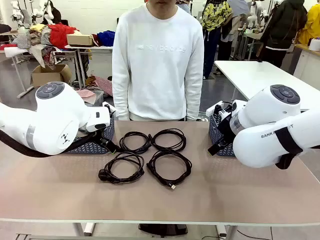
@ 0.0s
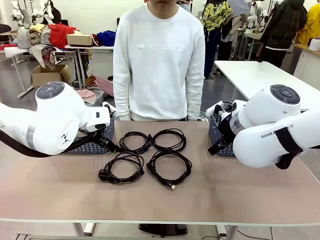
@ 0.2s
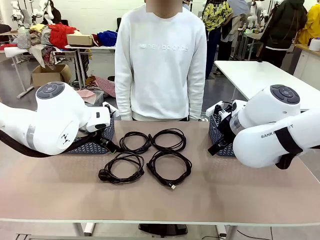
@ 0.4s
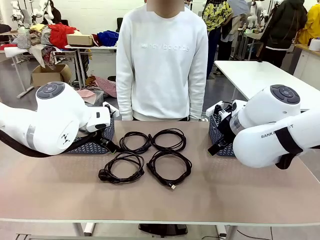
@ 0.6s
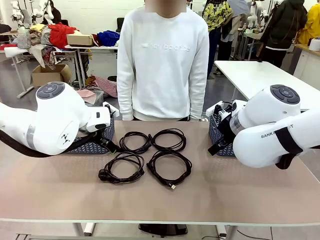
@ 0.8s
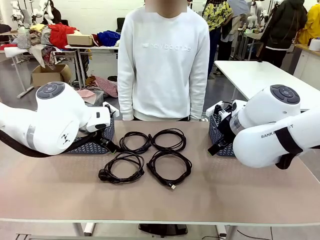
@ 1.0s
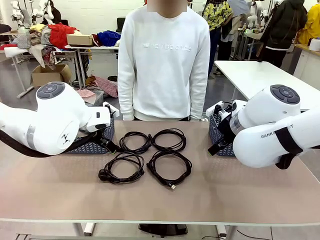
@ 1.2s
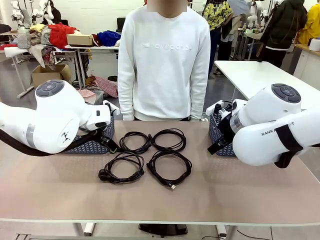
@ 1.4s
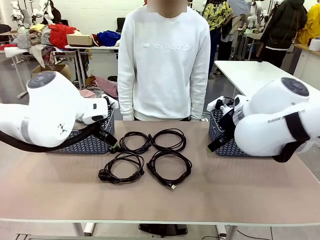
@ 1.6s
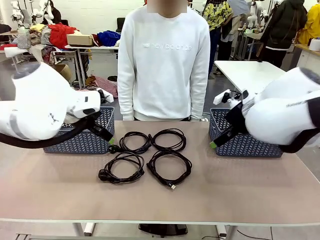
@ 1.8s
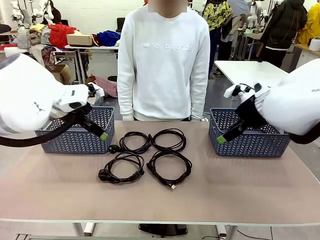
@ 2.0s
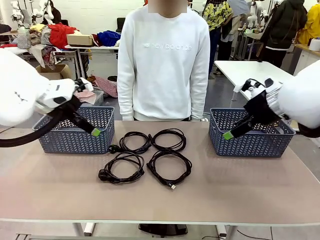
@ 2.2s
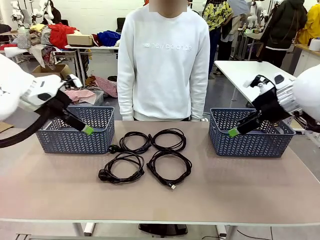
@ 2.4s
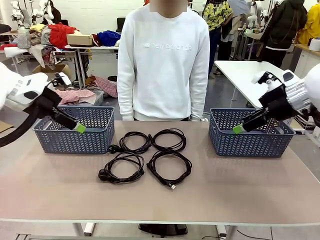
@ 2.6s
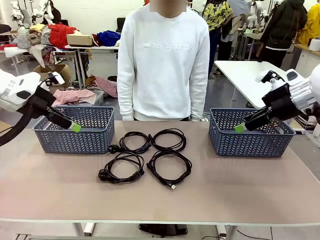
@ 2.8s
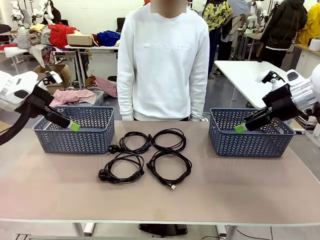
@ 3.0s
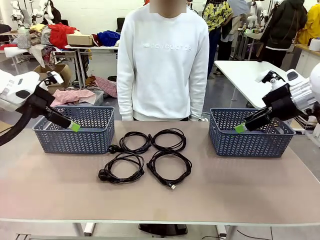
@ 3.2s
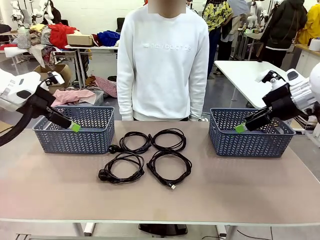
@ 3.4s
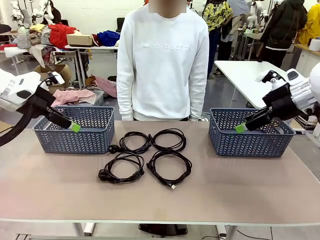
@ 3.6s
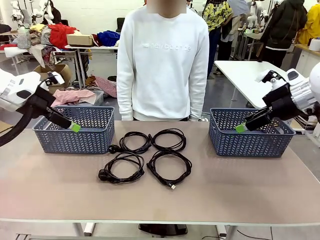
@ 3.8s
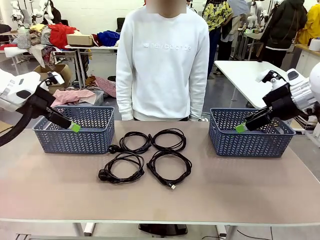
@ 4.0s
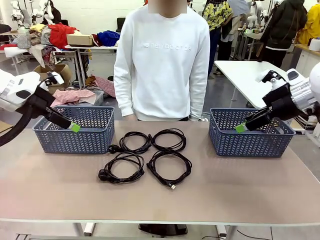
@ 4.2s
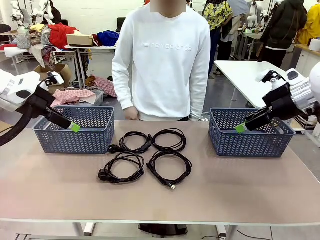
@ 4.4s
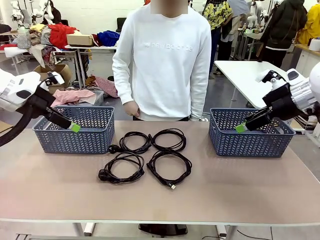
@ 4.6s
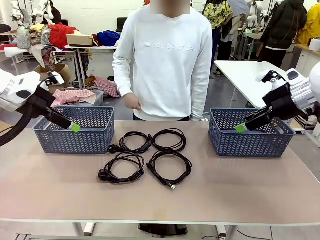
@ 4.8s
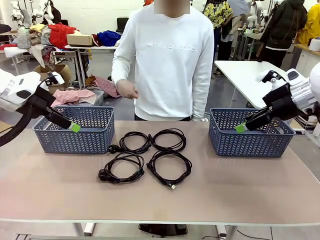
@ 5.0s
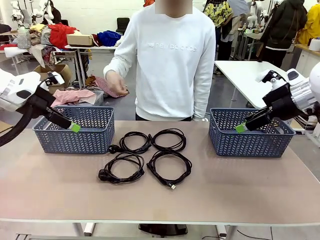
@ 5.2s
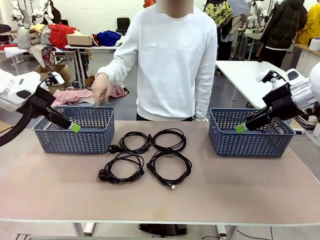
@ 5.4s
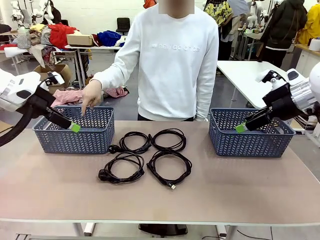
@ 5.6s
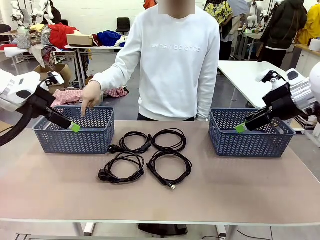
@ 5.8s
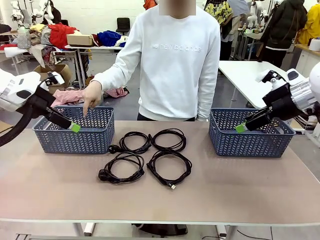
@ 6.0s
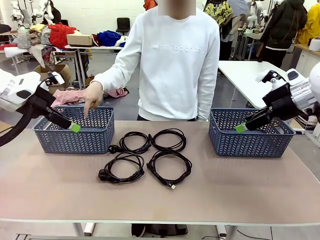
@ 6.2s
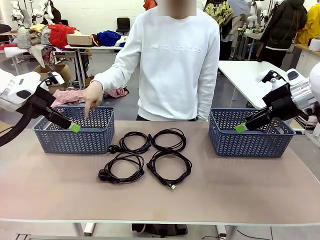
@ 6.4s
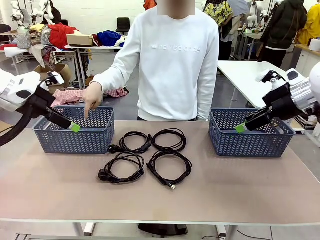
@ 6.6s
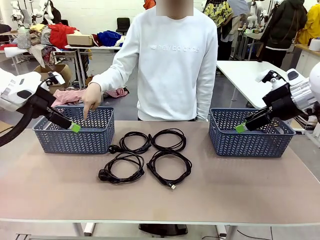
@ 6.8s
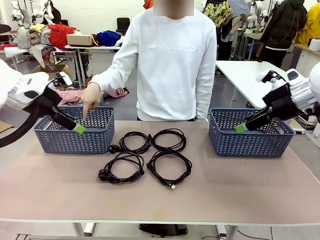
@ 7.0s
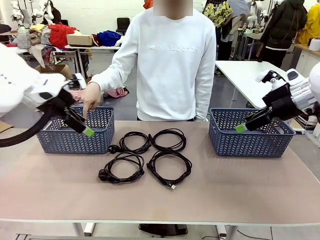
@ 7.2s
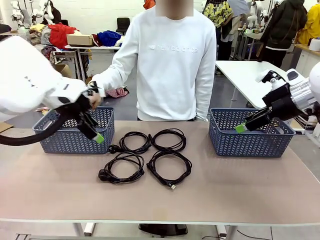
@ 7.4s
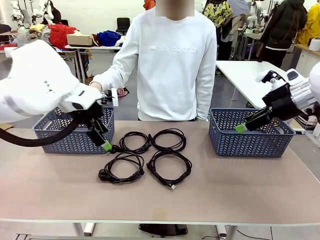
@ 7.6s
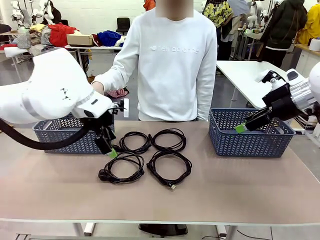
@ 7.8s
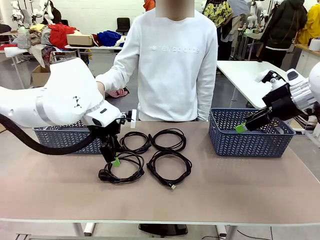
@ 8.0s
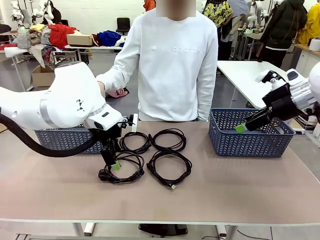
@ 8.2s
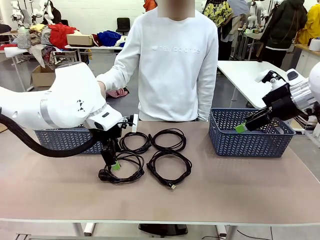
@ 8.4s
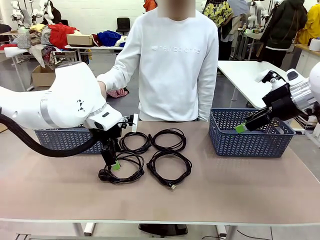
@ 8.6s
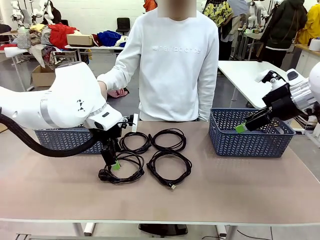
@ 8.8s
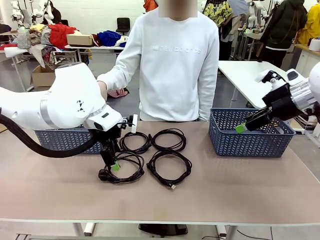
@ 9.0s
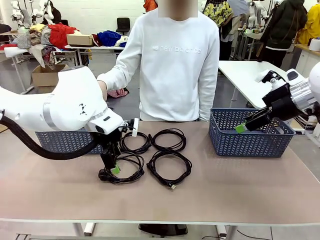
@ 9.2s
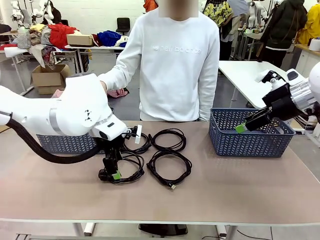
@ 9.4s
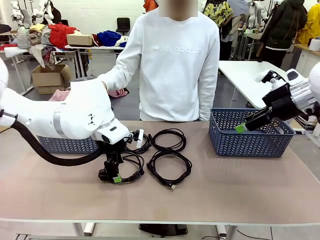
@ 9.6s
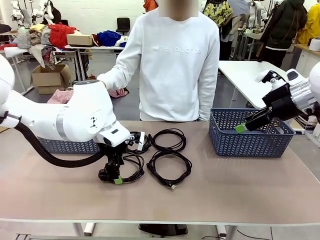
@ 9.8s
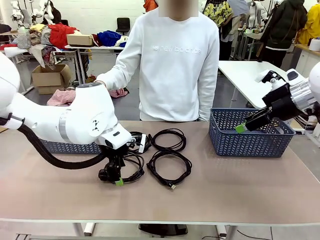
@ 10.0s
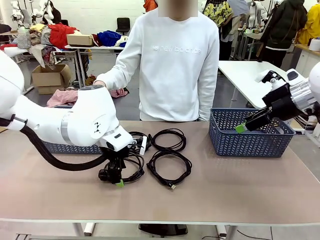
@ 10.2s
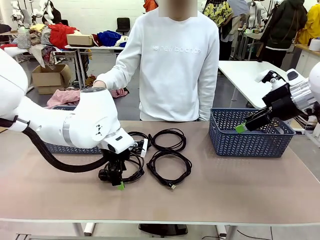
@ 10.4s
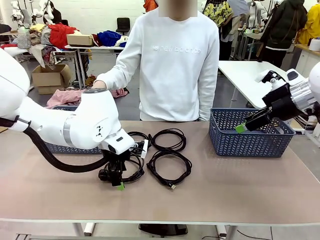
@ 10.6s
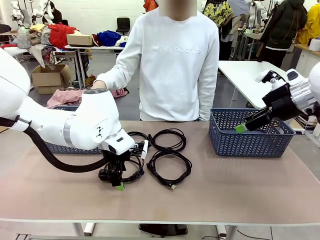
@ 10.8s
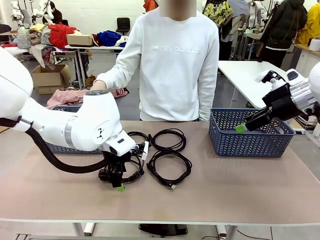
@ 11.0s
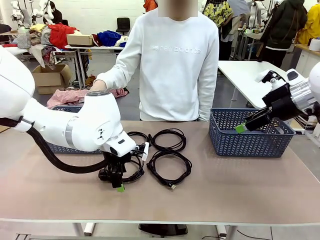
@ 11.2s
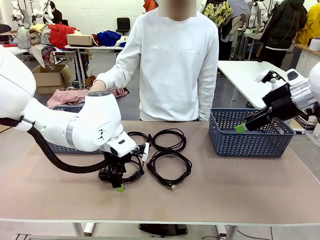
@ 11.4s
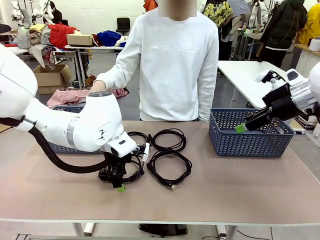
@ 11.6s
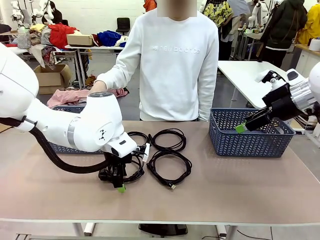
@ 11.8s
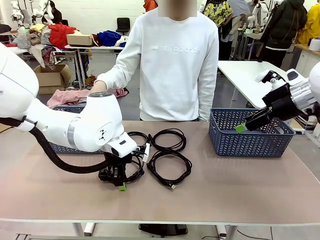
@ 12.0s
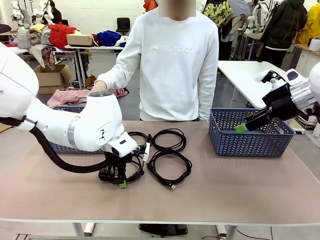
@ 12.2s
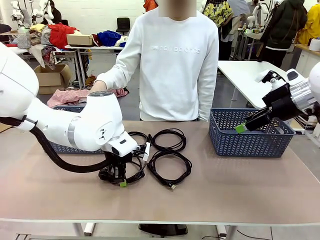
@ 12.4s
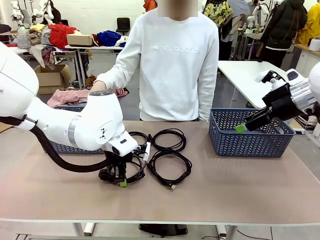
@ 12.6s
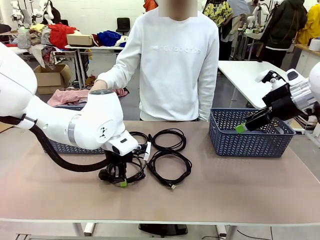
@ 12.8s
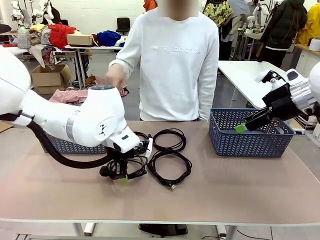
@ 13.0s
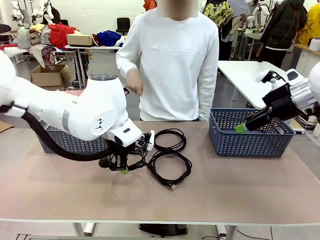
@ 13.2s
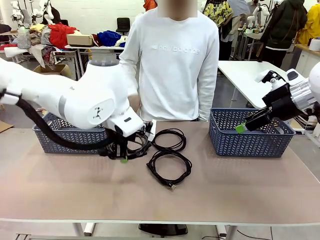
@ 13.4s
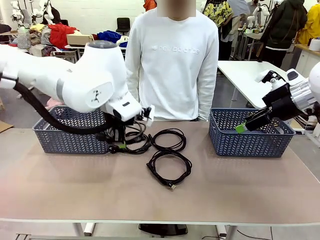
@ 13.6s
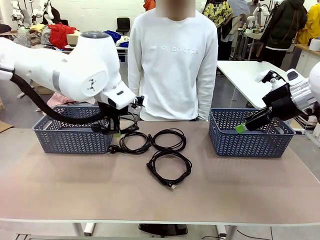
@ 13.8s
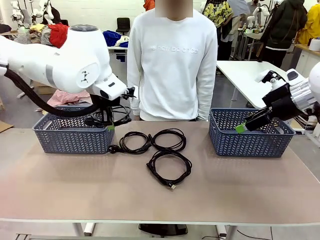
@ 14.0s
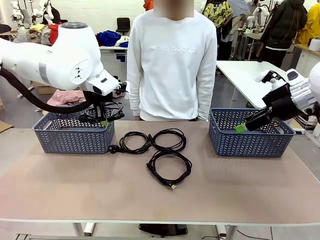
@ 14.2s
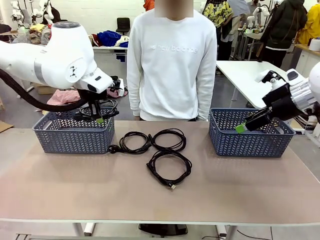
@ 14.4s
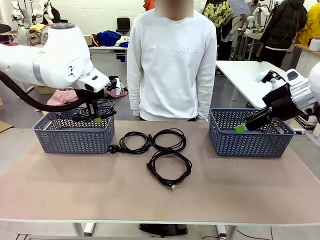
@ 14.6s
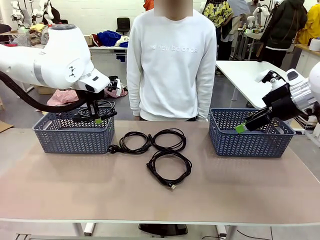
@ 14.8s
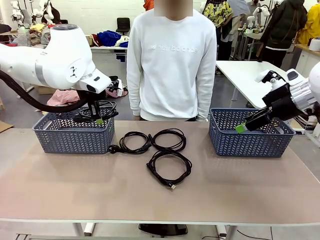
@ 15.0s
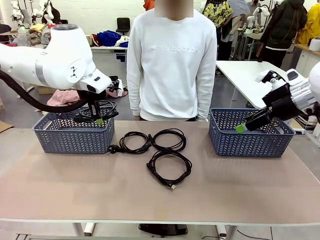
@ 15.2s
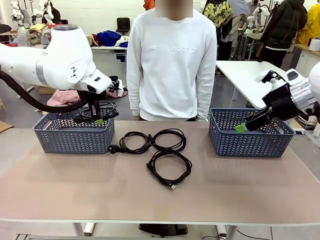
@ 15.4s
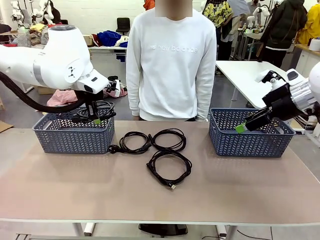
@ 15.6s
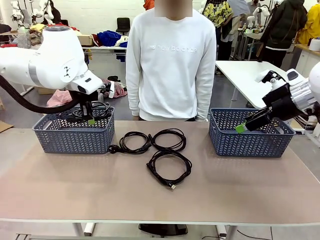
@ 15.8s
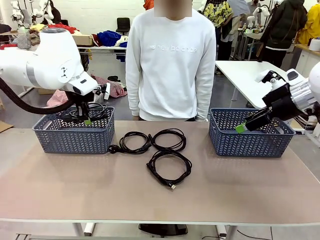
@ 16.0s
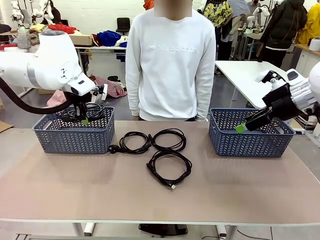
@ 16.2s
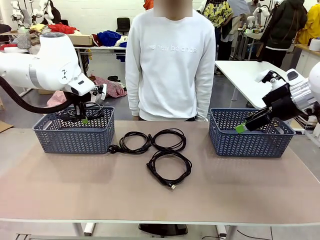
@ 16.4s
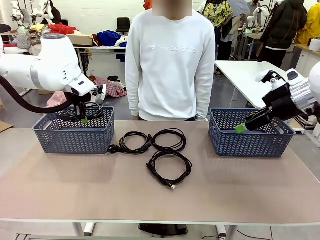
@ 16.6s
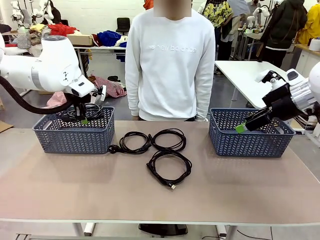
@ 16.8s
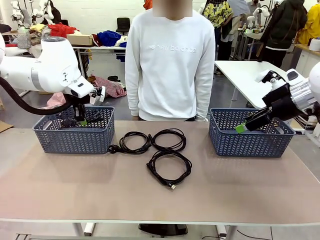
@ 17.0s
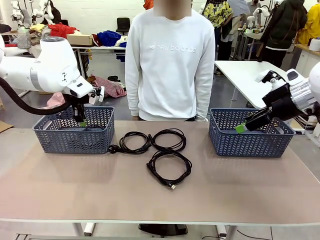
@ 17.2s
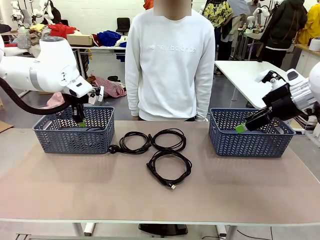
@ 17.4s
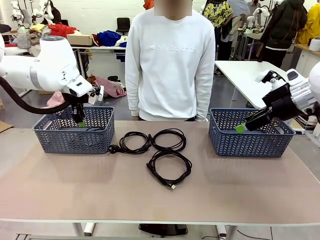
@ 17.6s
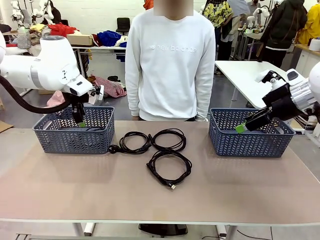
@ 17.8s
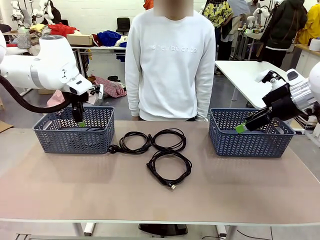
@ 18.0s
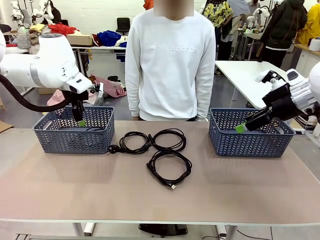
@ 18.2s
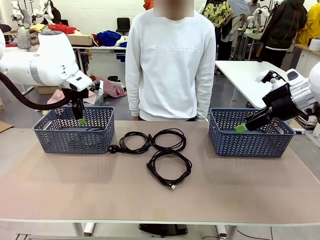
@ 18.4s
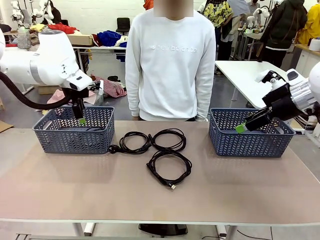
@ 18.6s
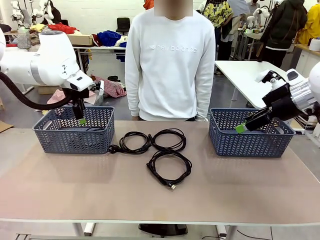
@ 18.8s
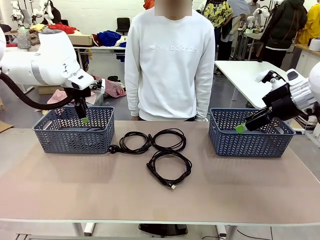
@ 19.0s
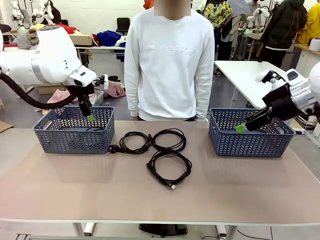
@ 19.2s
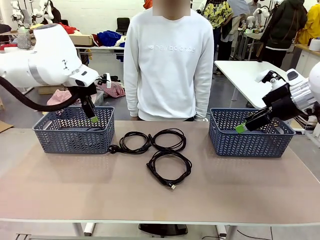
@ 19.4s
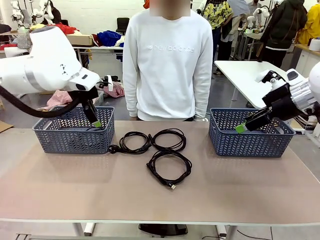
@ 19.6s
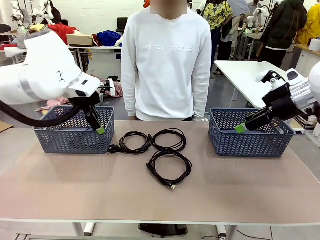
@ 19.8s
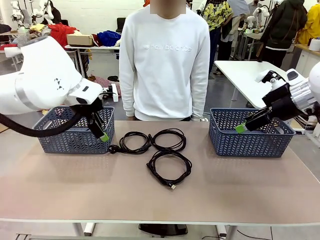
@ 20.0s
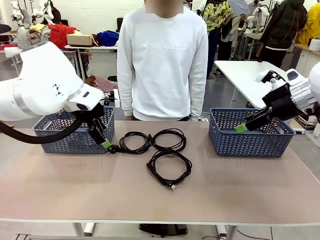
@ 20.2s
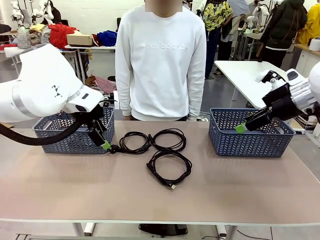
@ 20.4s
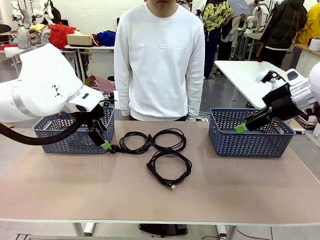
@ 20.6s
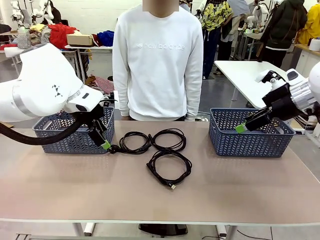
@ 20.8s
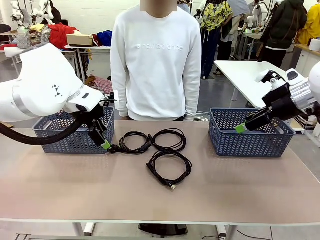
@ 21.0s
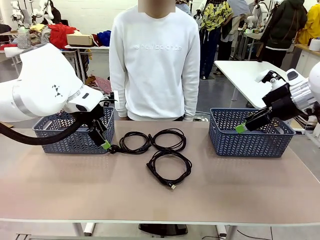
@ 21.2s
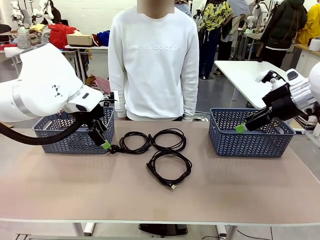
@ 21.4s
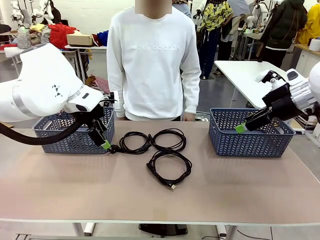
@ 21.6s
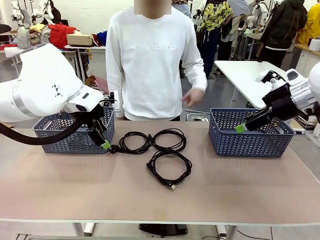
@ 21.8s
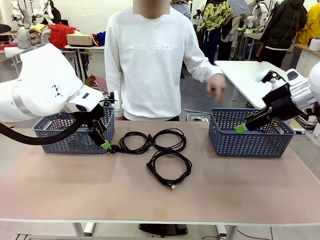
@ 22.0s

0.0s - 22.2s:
Task: Organize the cables according to human instructions.
Robot: Pick up a bundle of cables and place it in the basket indicated by the human.
